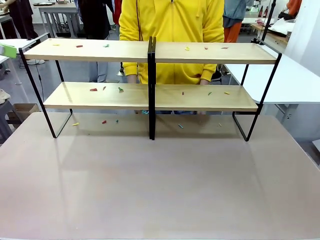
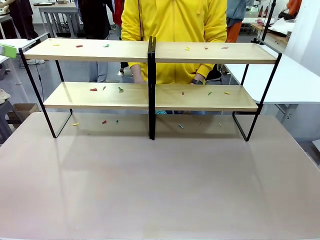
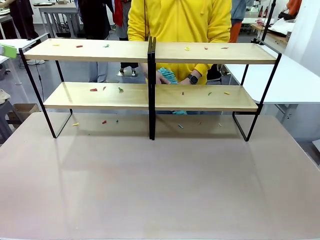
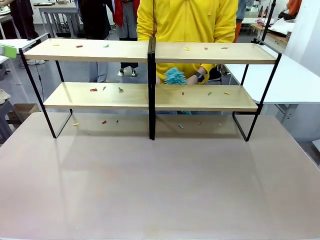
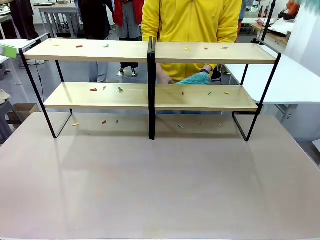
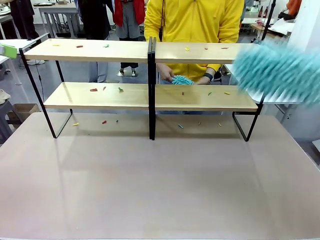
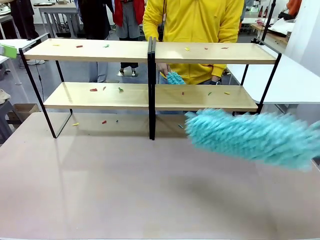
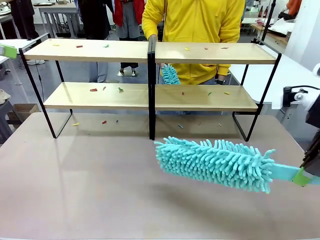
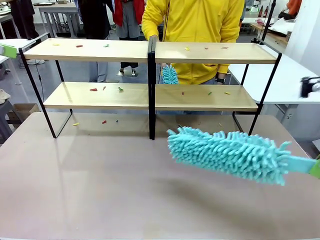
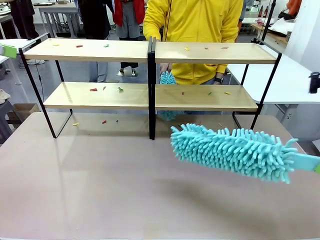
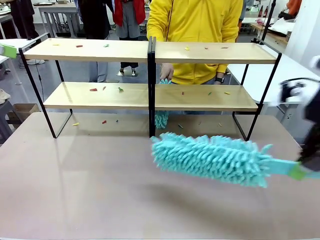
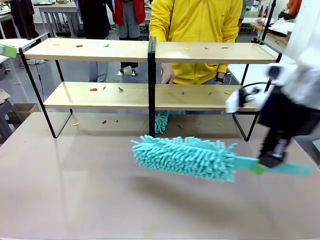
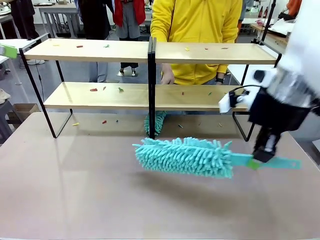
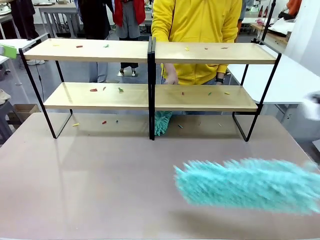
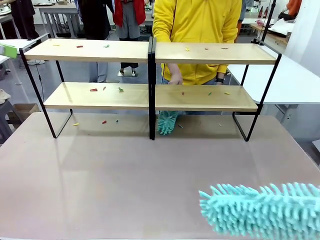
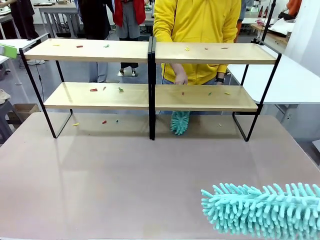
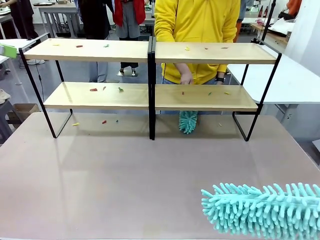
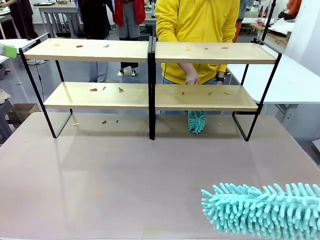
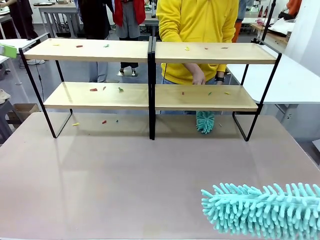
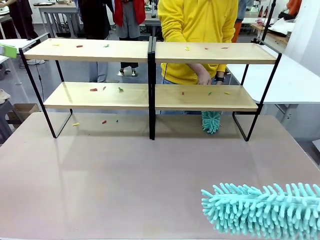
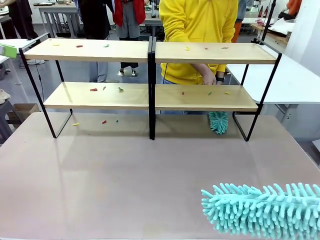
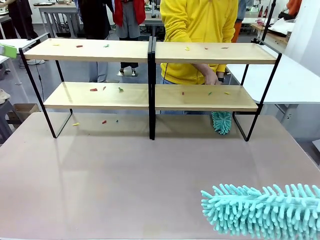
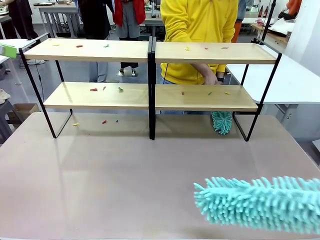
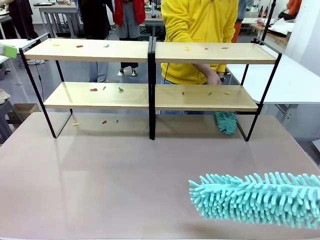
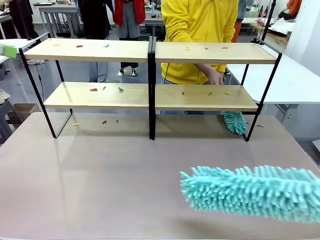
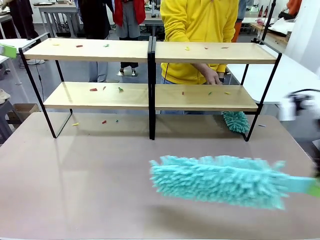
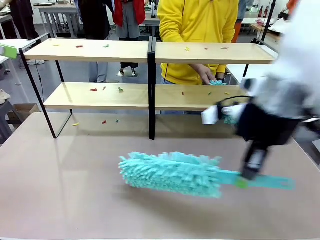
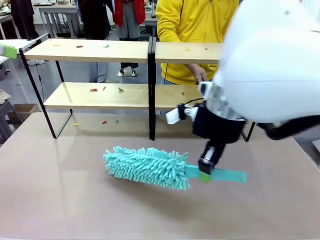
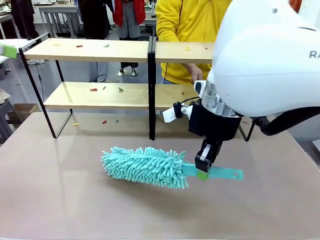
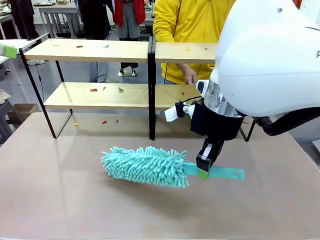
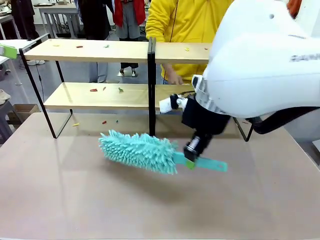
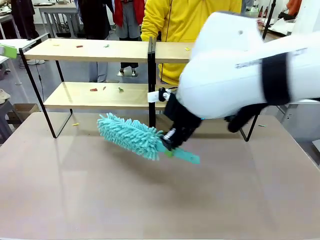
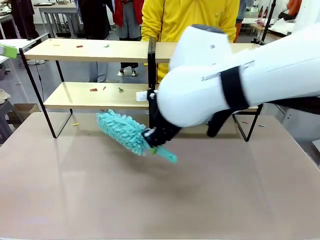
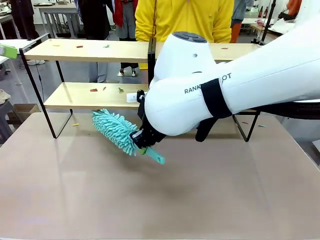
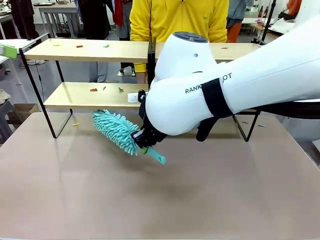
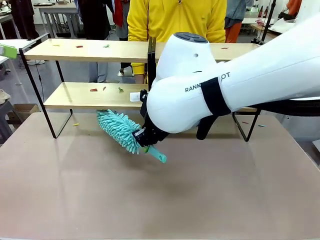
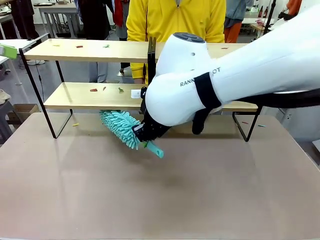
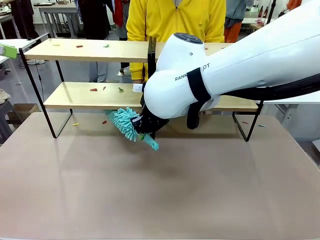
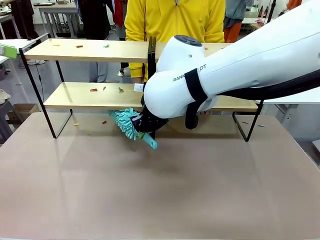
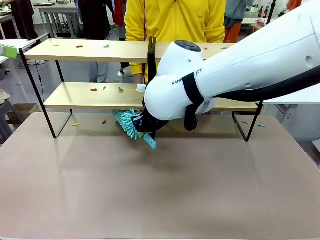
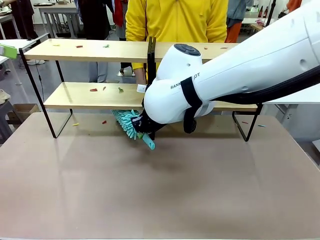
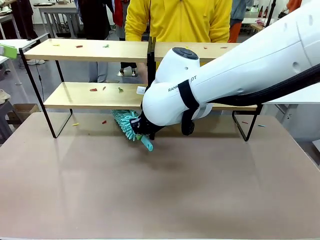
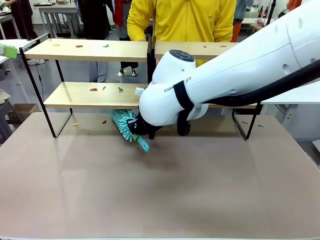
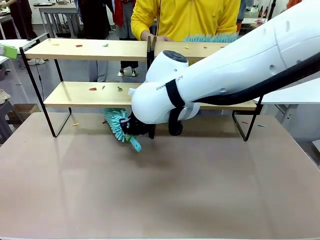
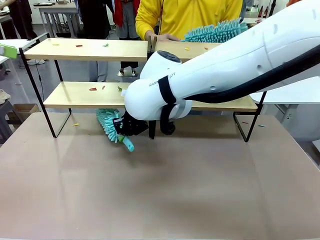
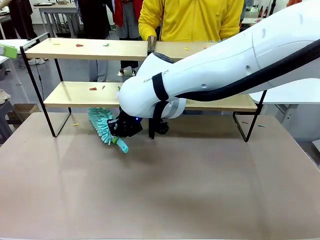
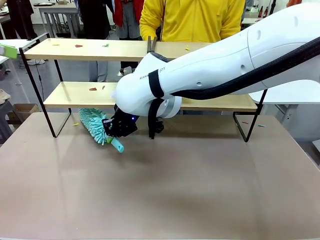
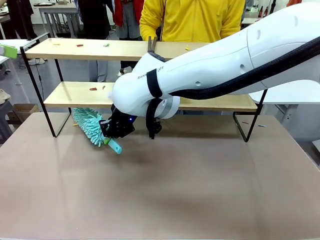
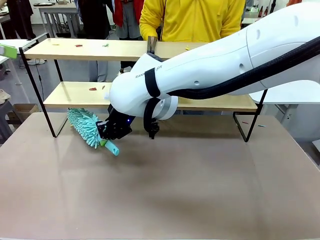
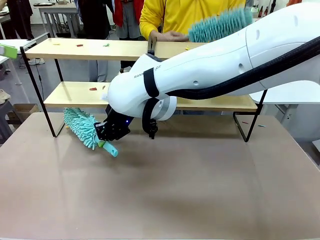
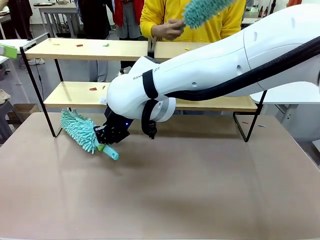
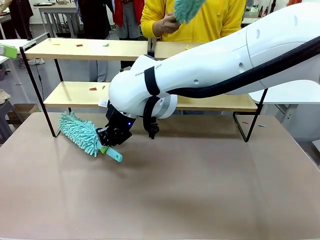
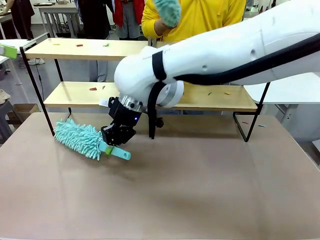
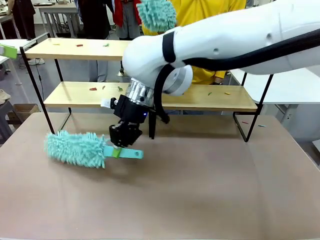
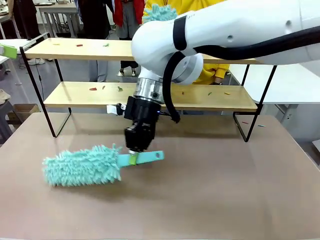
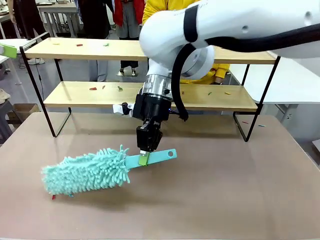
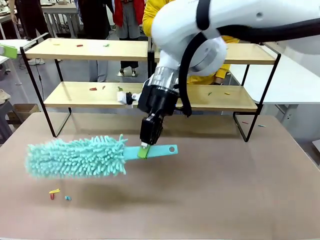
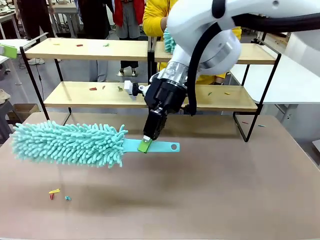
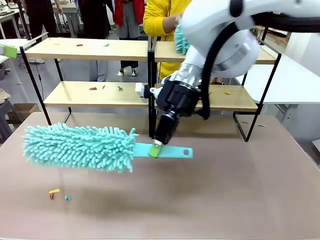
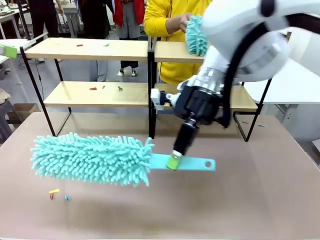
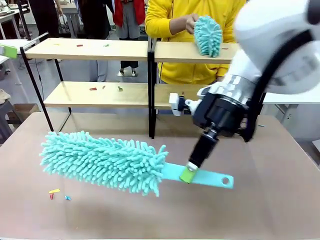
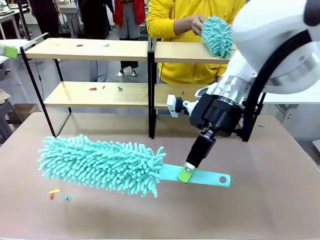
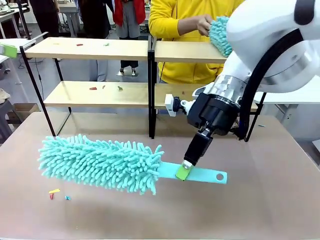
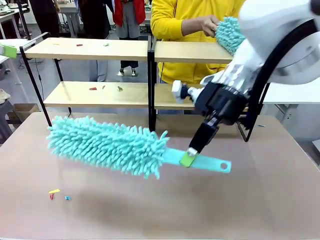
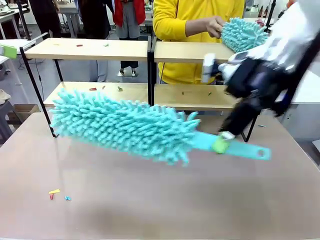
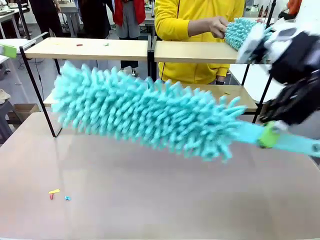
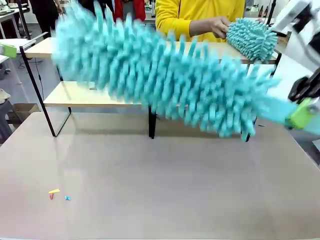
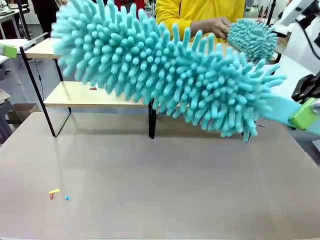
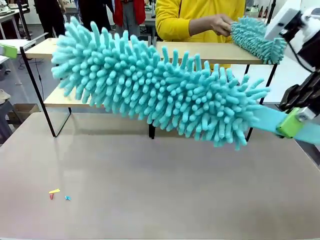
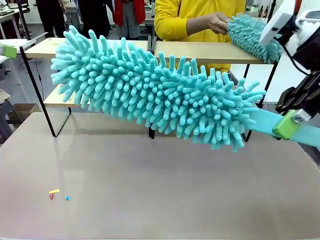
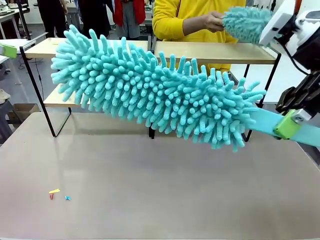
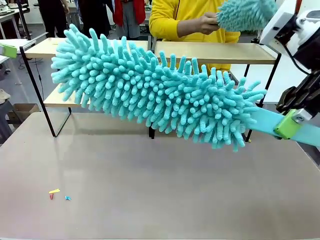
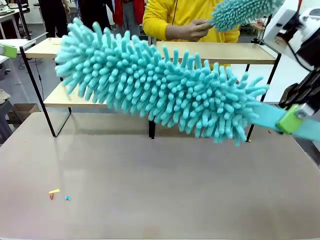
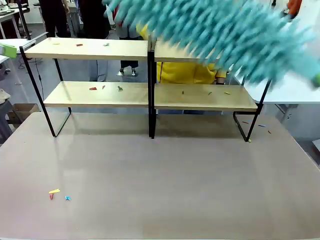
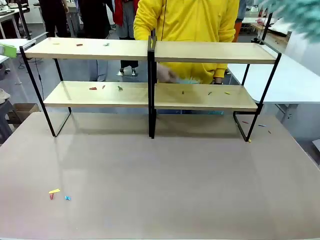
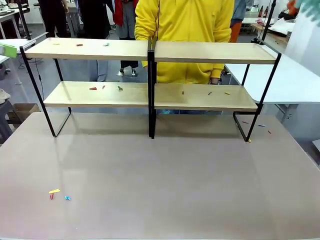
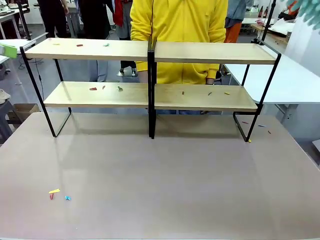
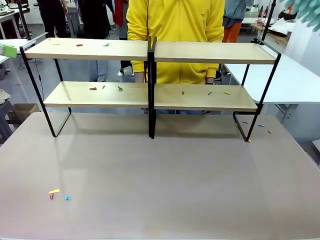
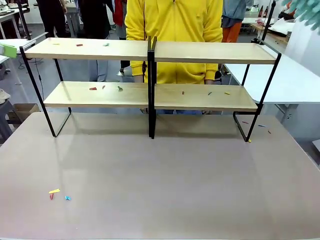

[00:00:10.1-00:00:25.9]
Task: Clean the shelves.
Robot: Clean a randomly selected level of the Shelf with the Duster.
